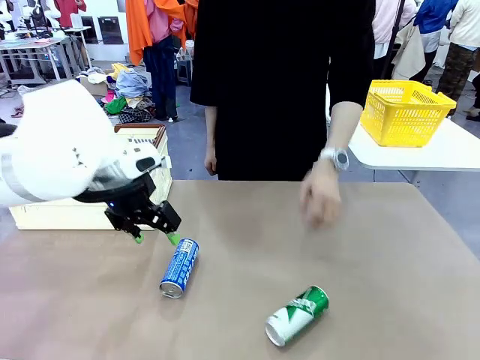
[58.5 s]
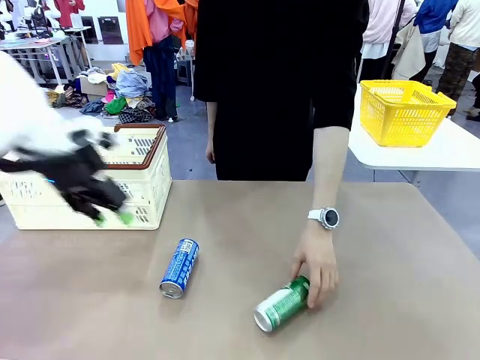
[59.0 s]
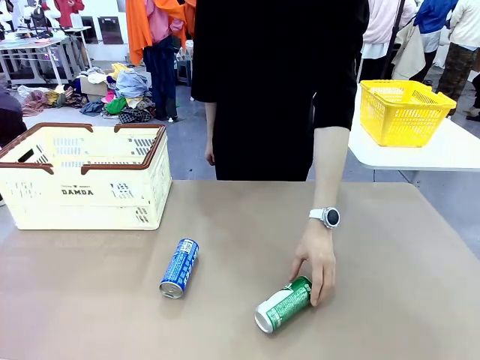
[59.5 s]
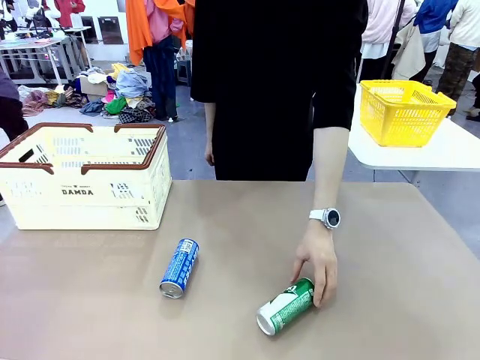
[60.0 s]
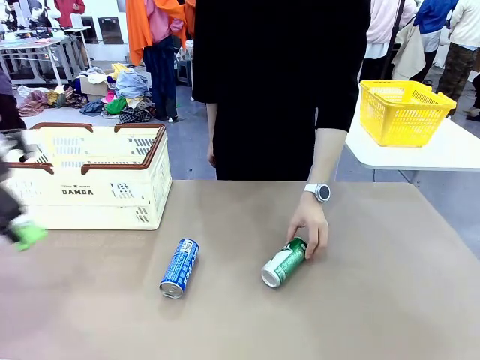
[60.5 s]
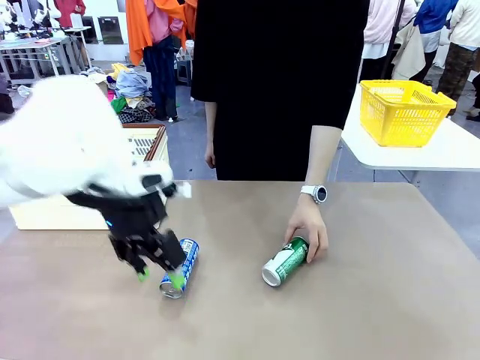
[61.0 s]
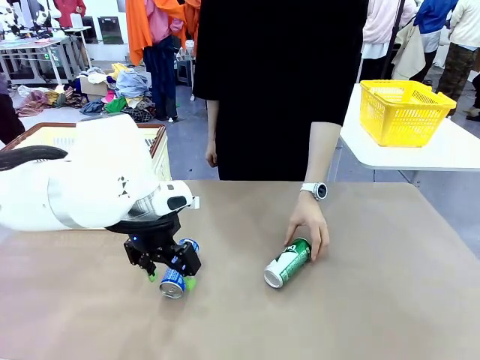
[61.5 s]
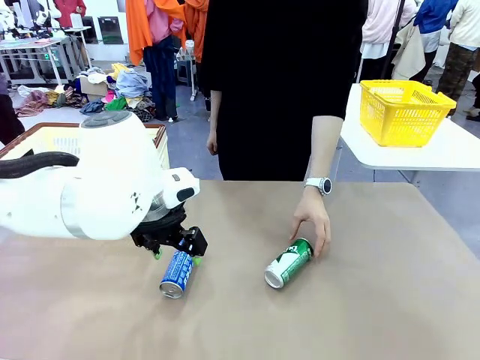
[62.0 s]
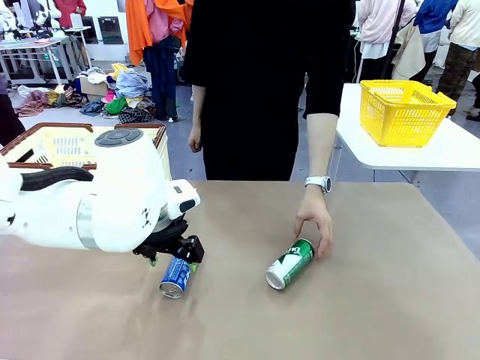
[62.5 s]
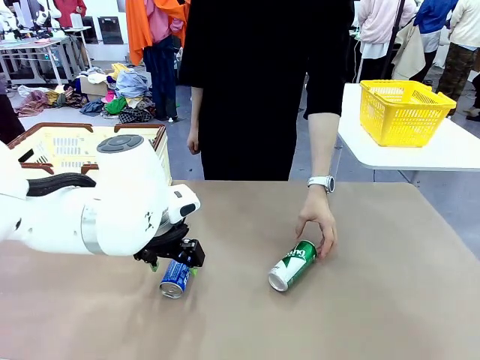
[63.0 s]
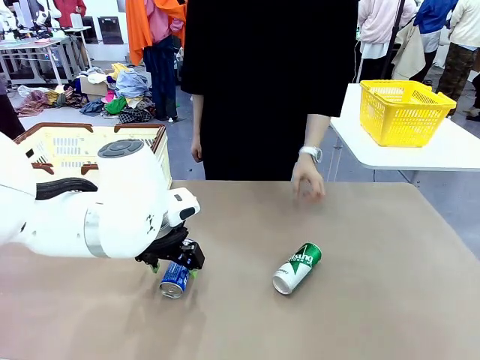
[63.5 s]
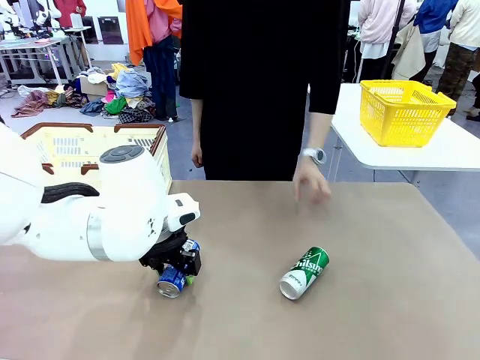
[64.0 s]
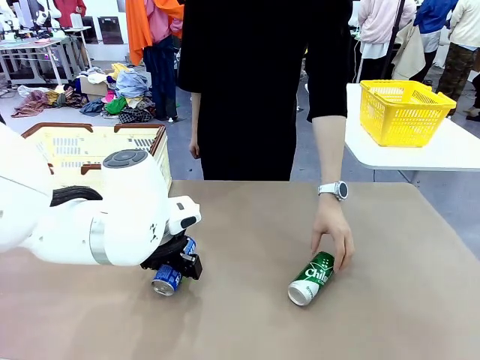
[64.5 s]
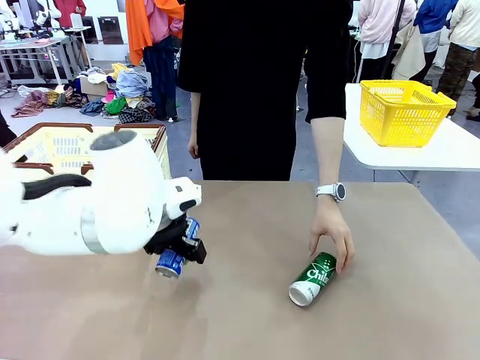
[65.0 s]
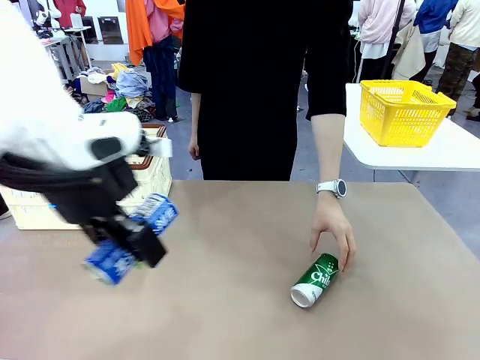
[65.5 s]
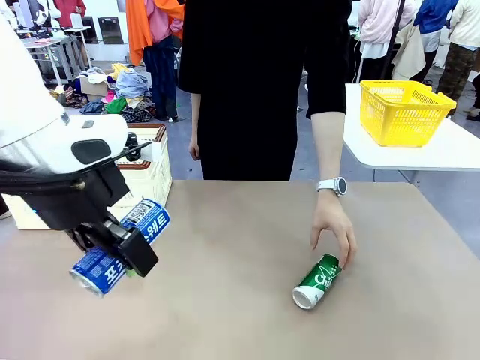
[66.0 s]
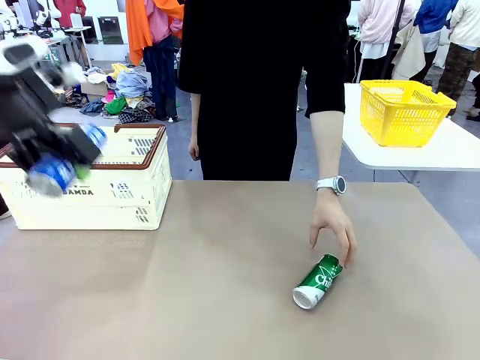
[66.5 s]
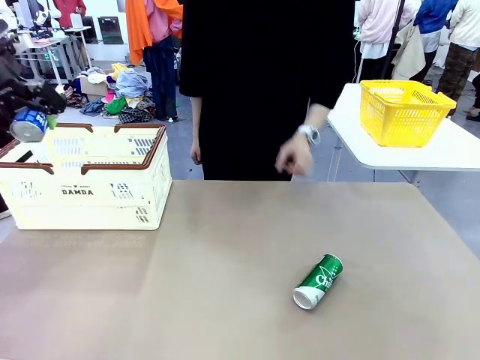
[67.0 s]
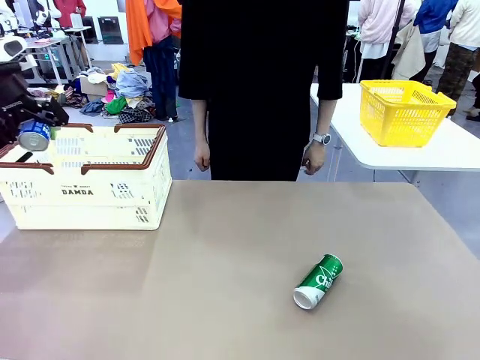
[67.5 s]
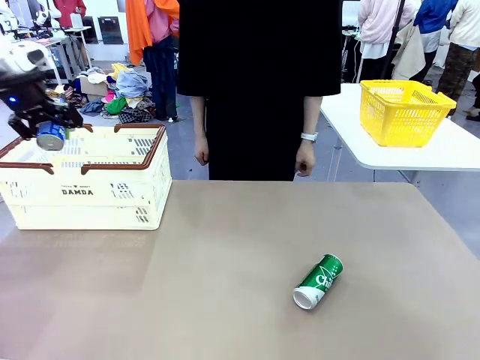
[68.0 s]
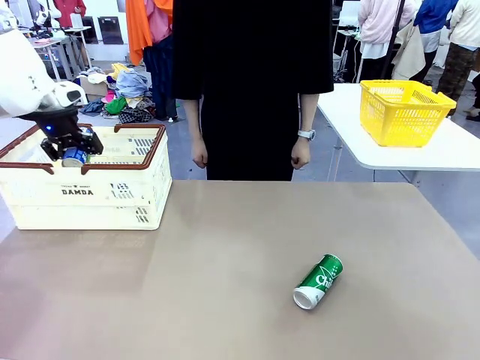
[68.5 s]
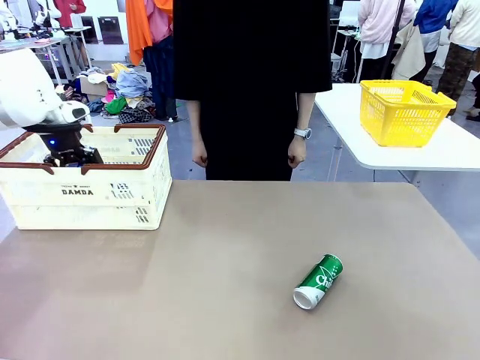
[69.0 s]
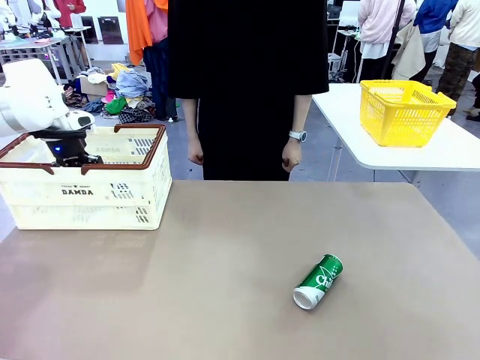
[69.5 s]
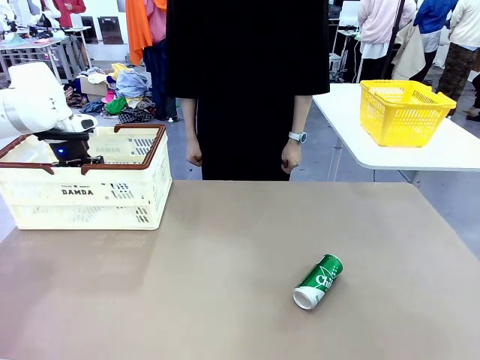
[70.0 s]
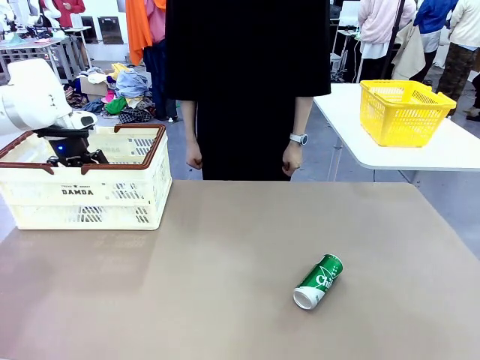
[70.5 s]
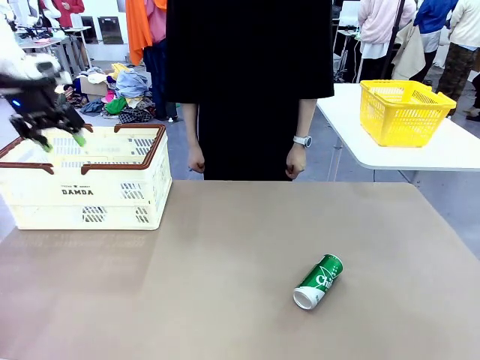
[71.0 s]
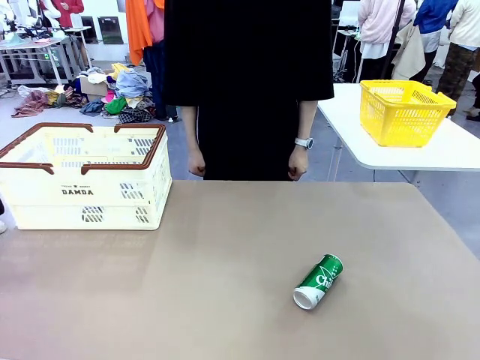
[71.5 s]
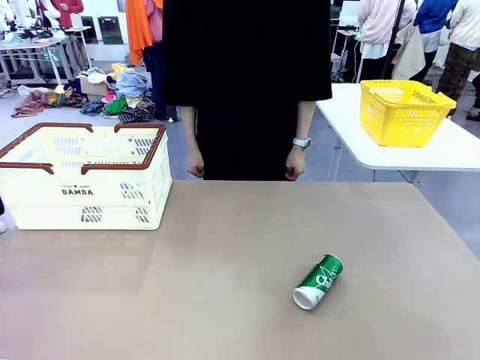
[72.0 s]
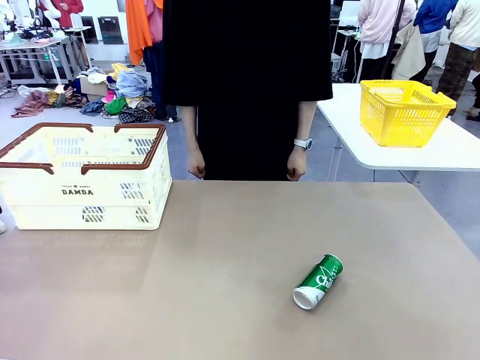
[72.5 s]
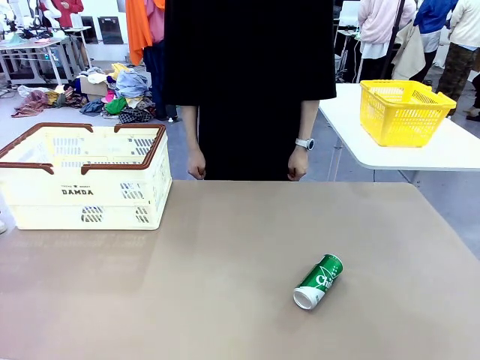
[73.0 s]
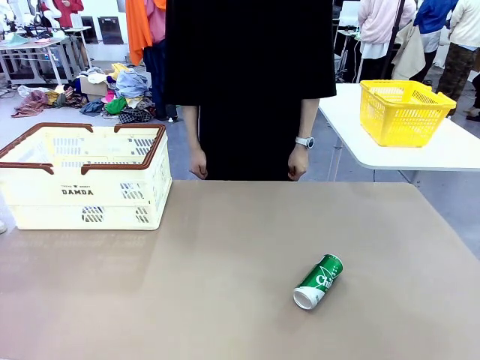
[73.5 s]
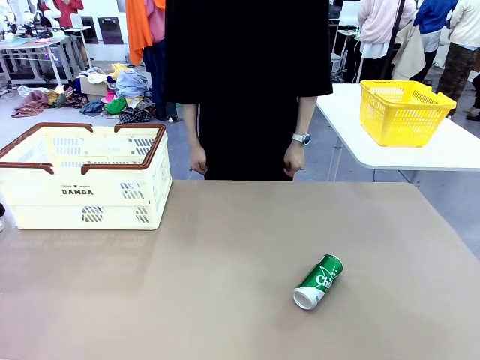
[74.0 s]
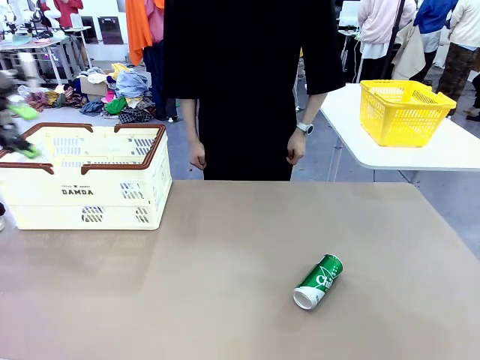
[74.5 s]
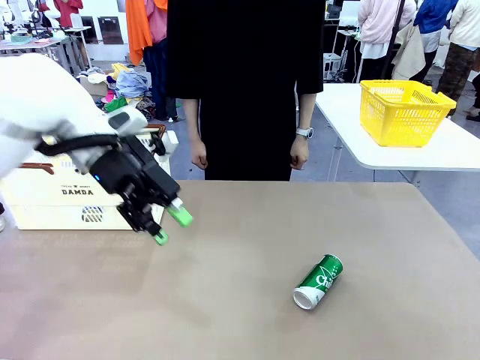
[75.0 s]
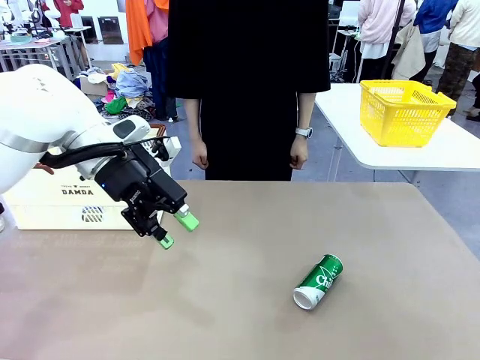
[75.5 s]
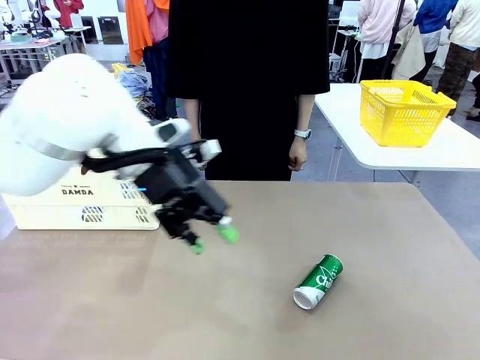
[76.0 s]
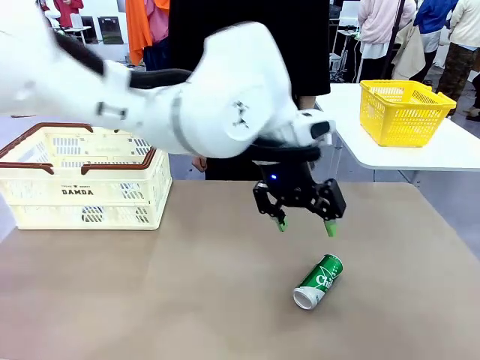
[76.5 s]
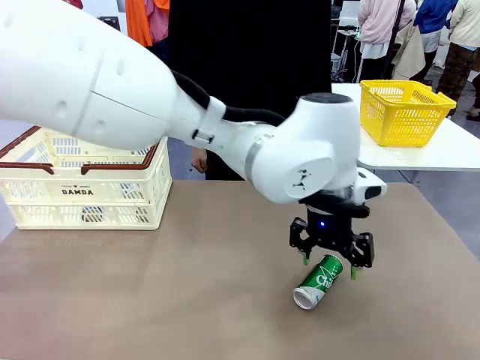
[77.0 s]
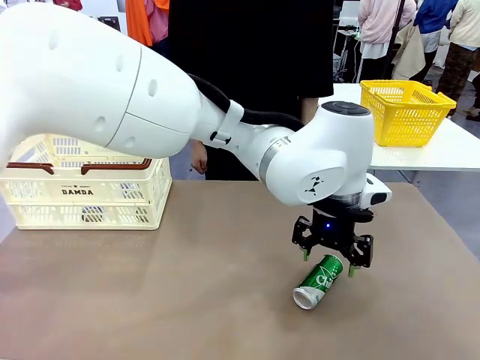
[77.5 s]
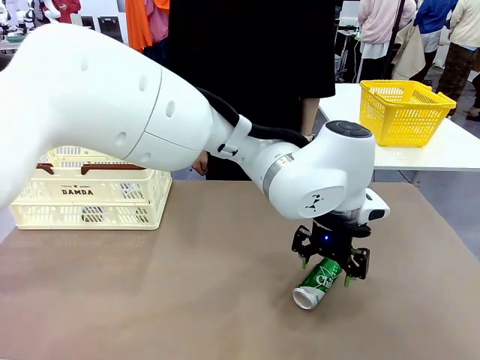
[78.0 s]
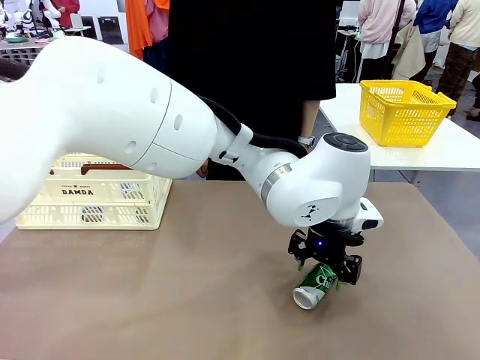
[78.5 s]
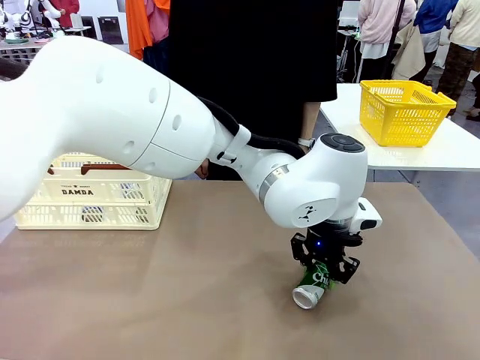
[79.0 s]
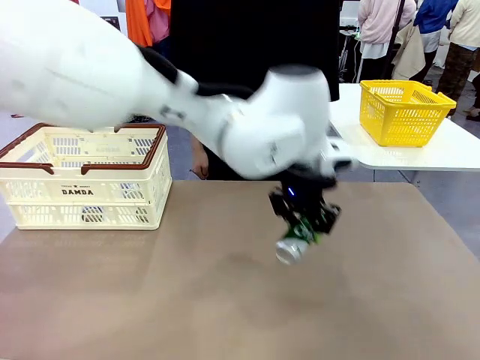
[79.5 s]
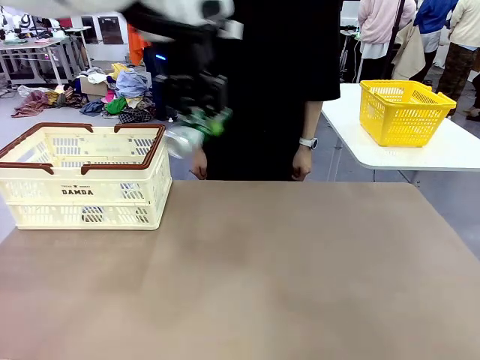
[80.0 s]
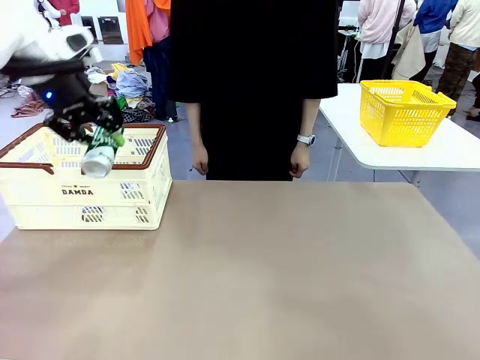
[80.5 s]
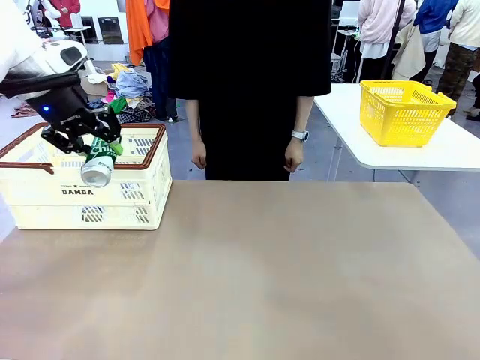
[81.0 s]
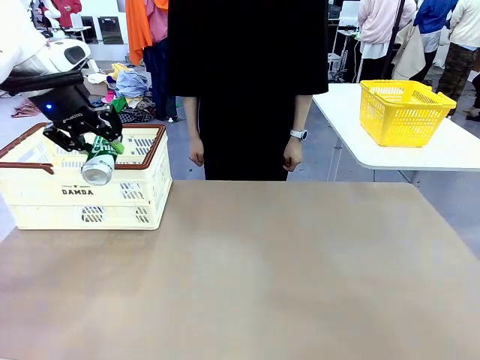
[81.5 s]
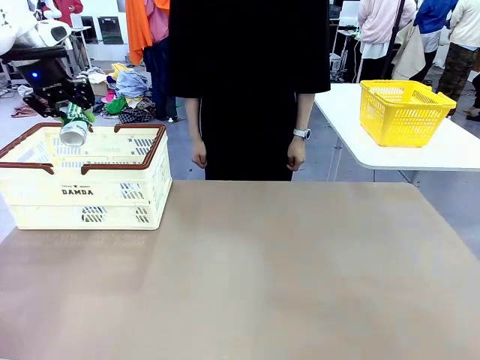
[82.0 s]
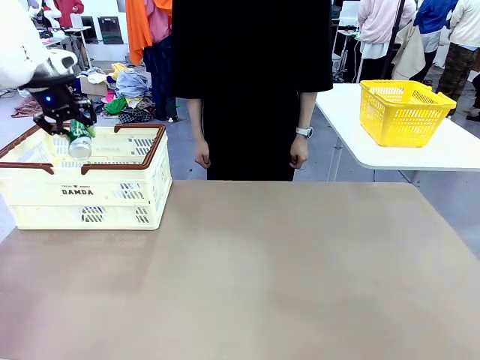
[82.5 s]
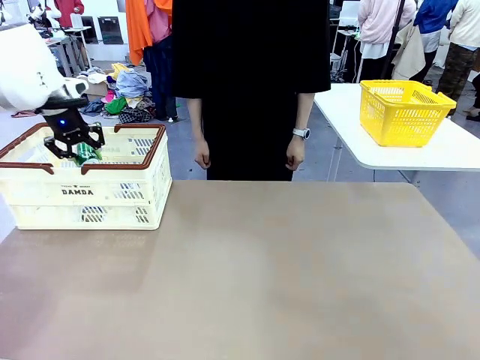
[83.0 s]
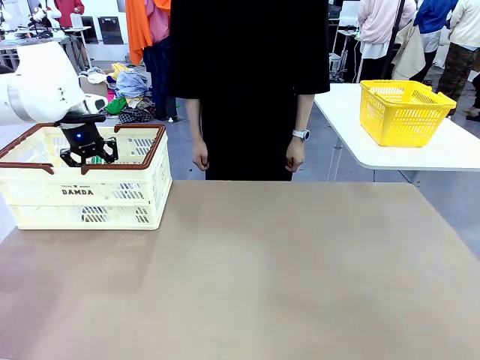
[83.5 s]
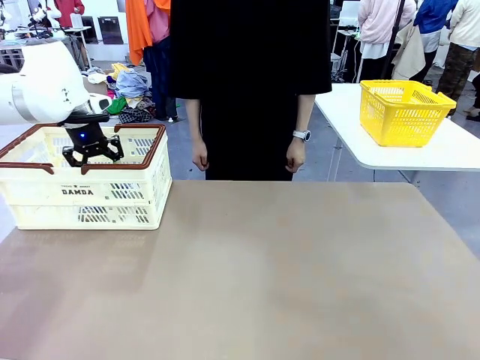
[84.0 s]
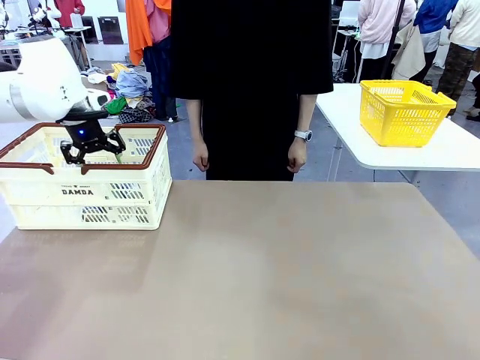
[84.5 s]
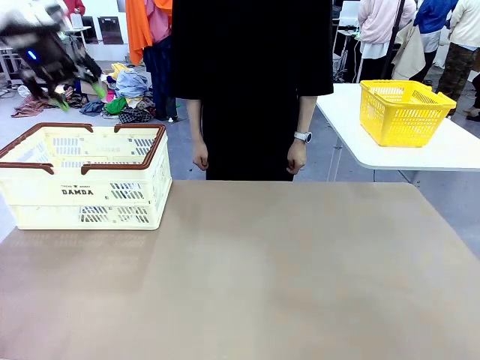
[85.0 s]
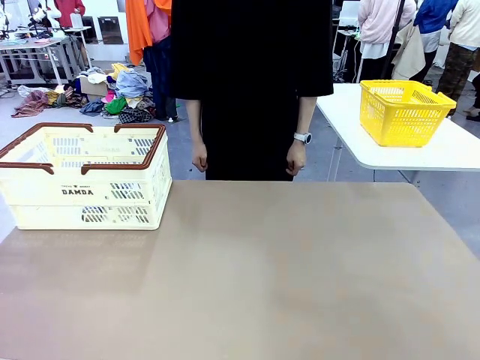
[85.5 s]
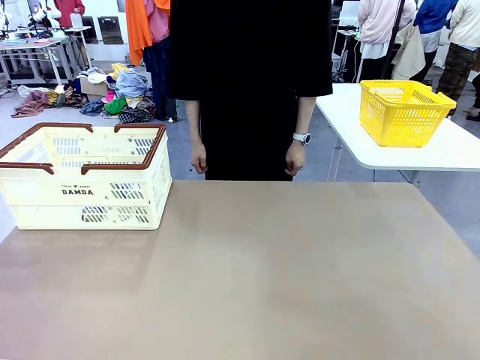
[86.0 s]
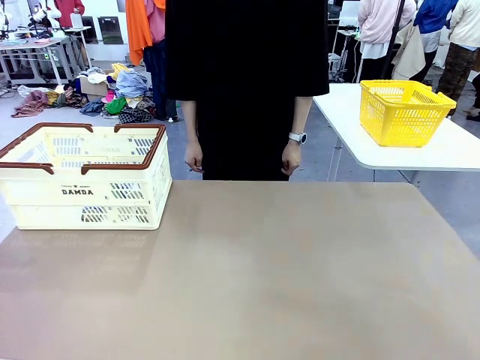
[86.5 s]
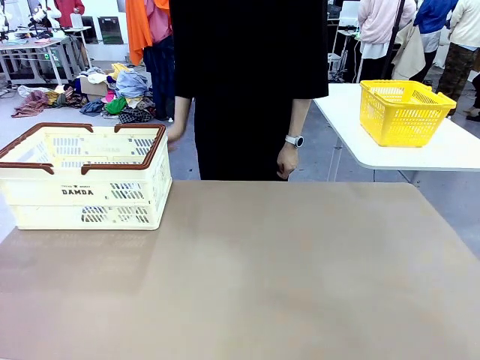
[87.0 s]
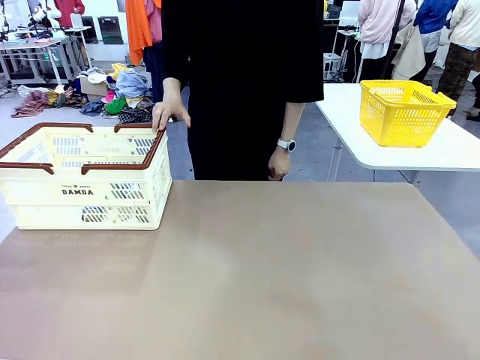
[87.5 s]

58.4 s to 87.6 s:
Task: Place the drinks into the Shopping basket.
Robot: Pick up one drink and place it into the Shopping basket.
